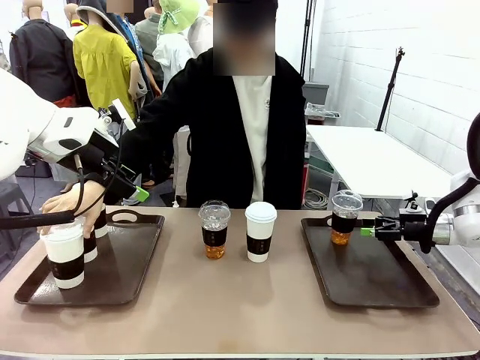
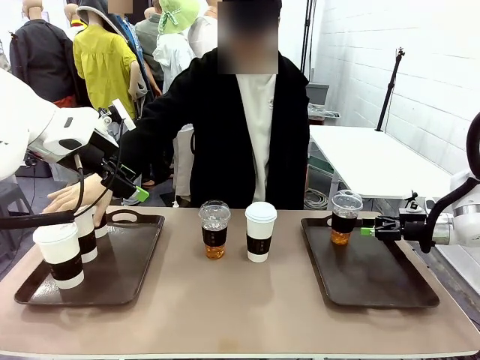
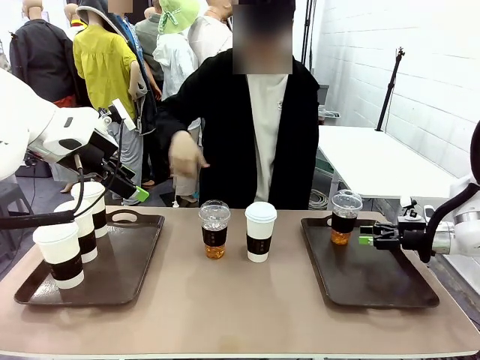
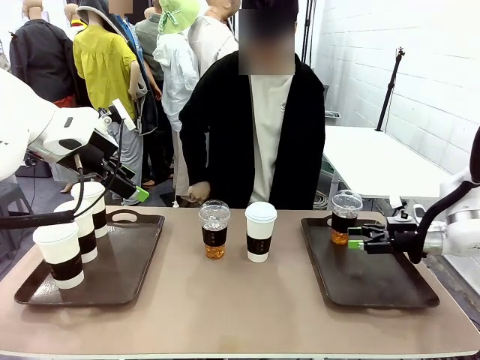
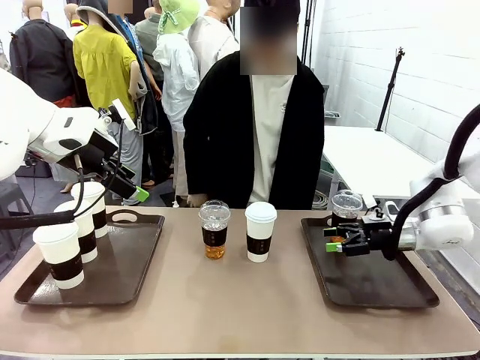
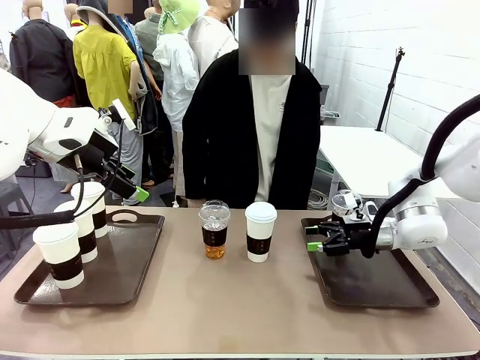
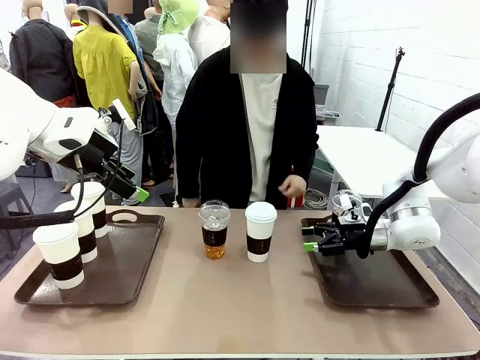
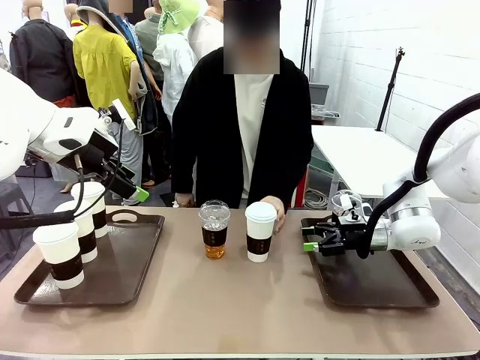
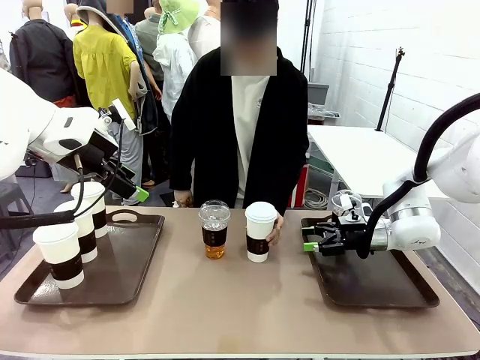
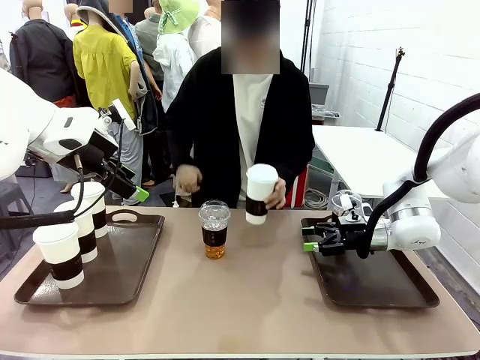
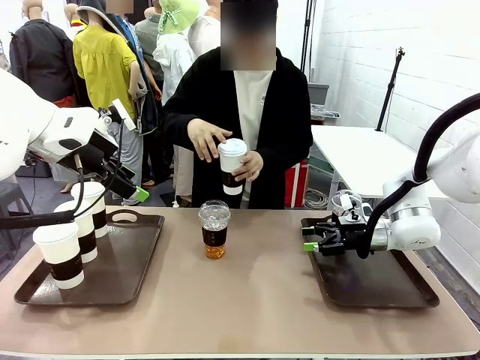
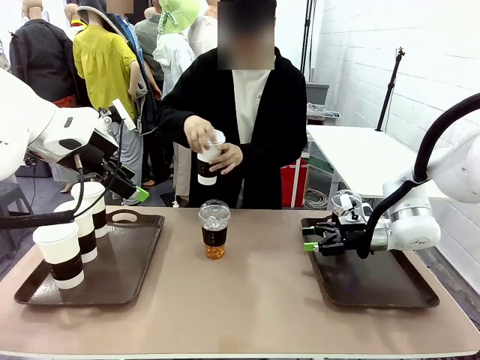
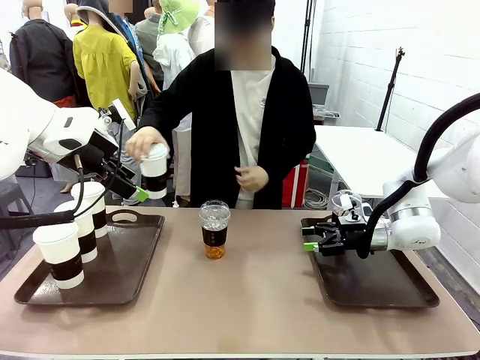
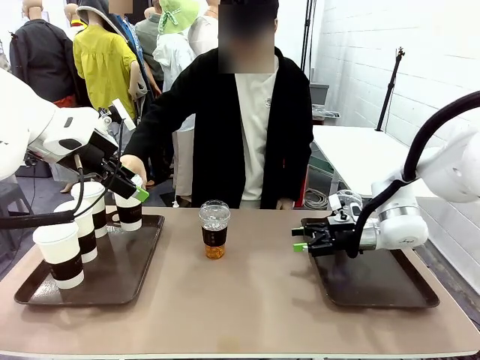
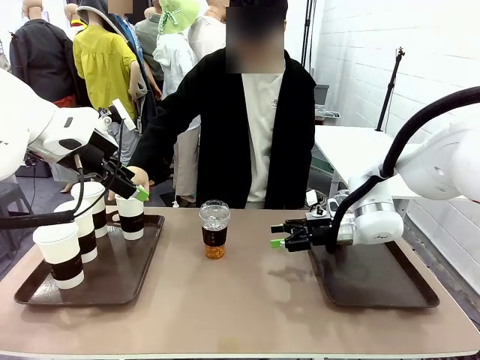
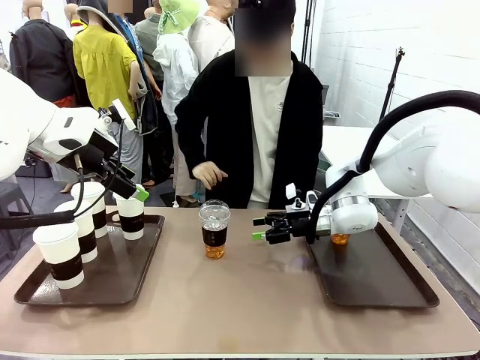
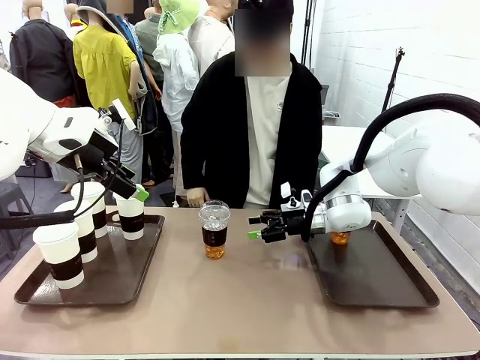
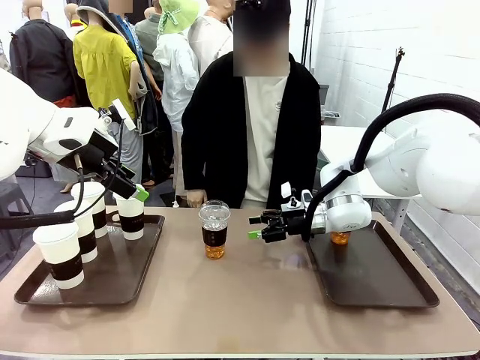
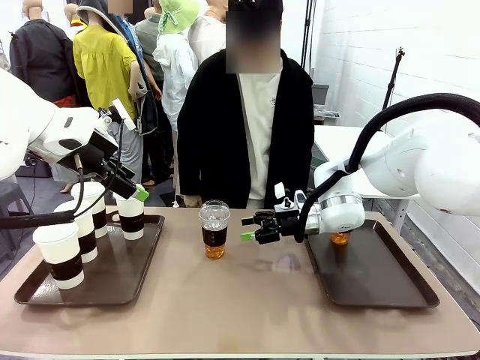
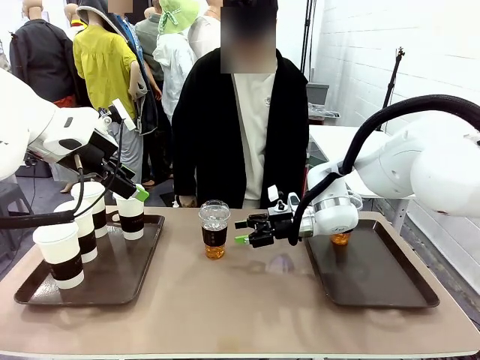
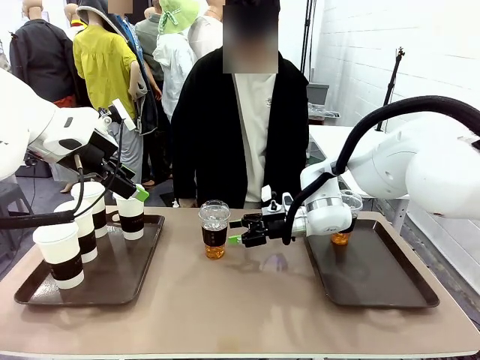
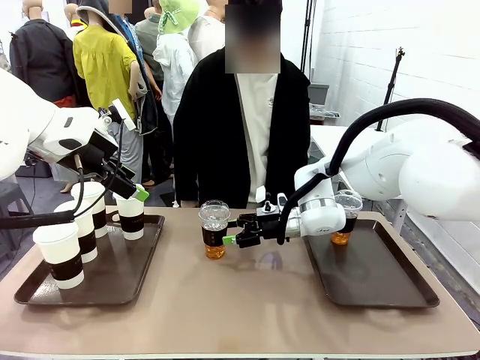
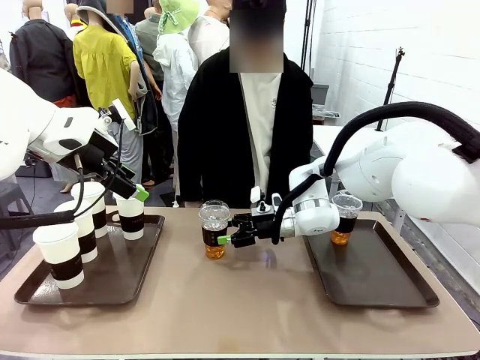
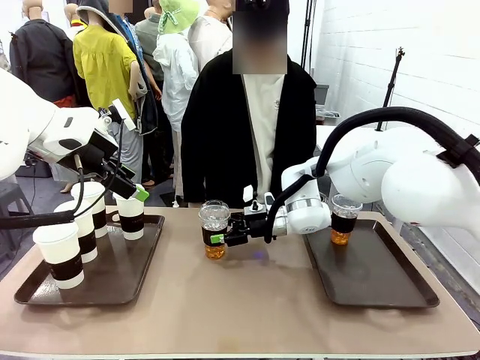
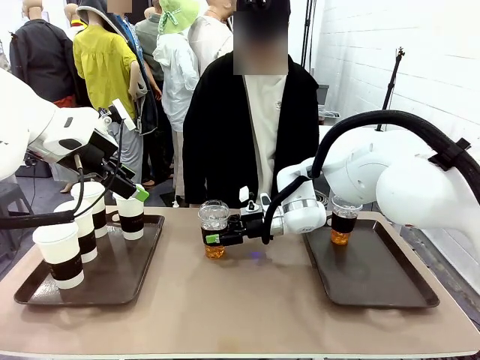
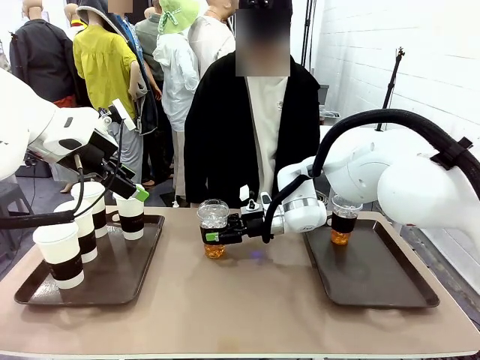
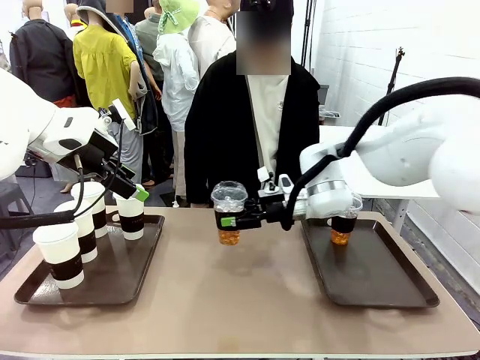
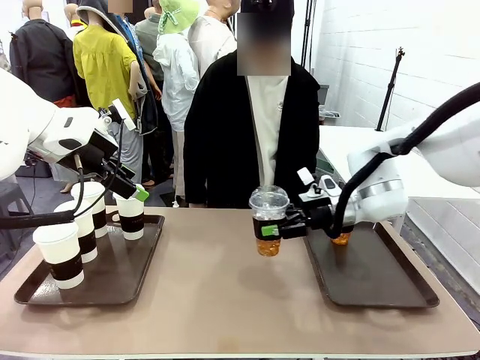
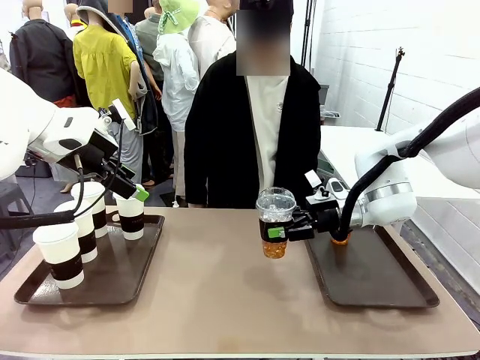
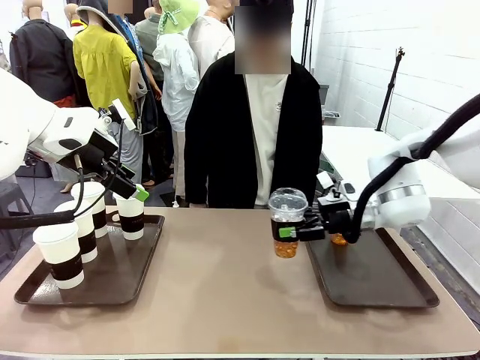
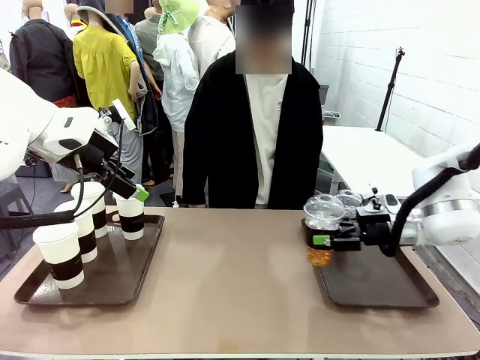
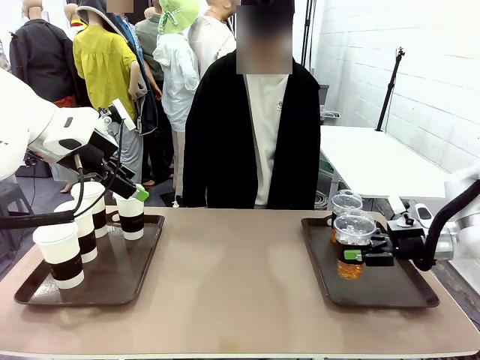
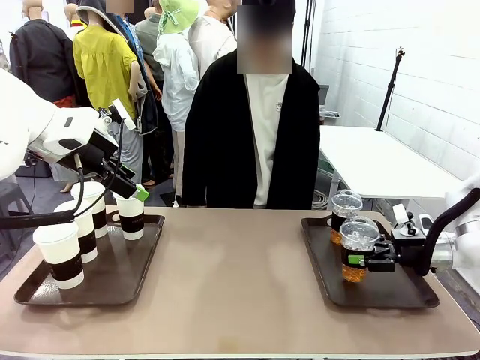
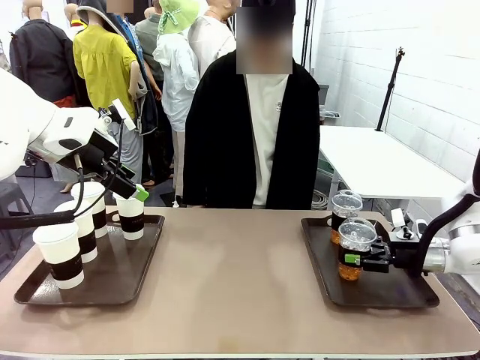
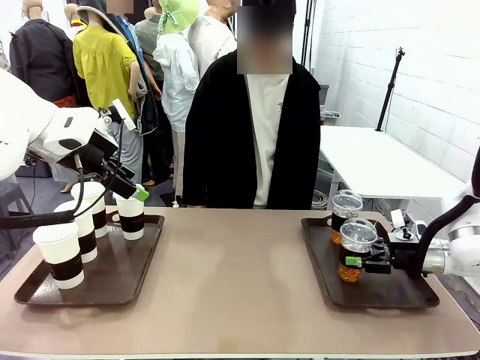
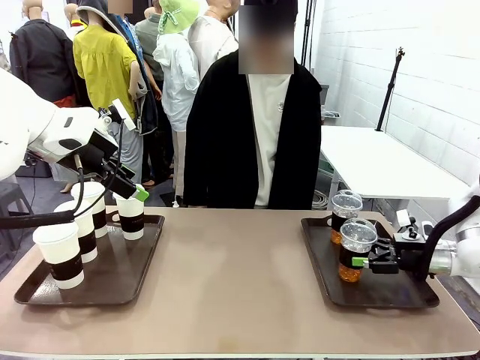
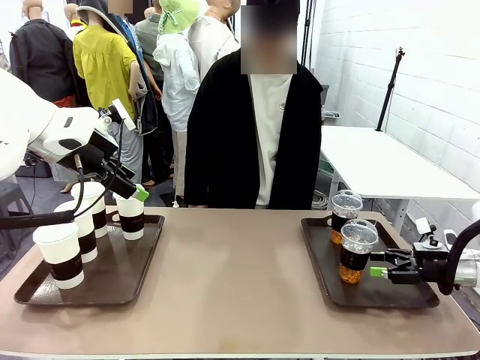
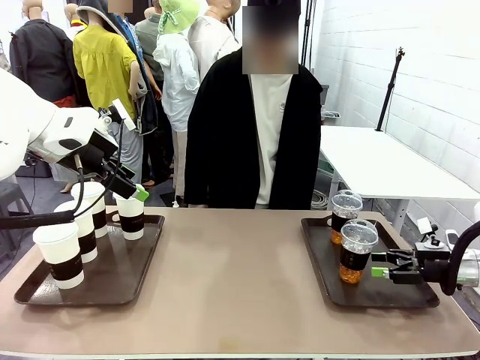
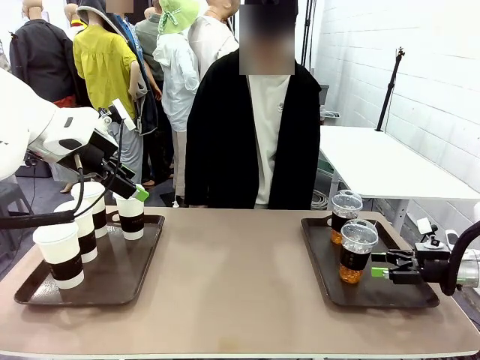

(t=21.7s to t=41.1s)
Task: Distribute the coffee onto the tray.
Robot: Pick up another iced Americano from the middle of the table and place it on the right Handle tray.
Person: Pick up a cup of hot Americano from the middle of the table and place it on the right tray.
